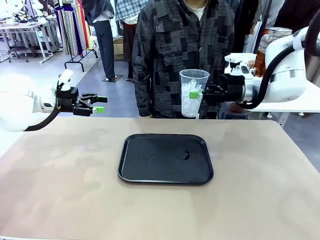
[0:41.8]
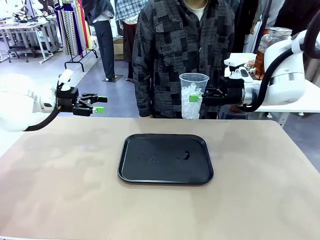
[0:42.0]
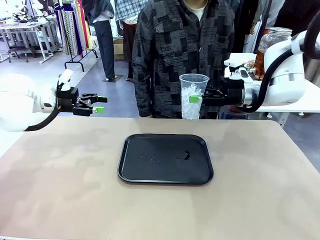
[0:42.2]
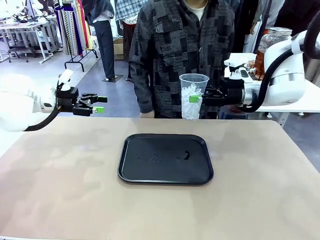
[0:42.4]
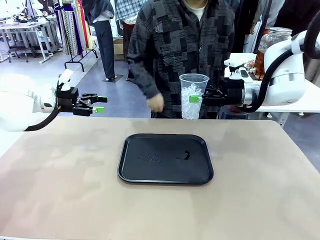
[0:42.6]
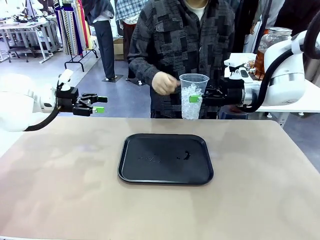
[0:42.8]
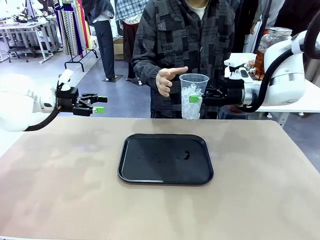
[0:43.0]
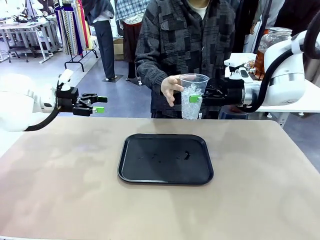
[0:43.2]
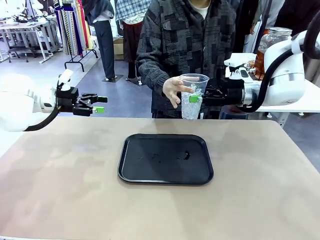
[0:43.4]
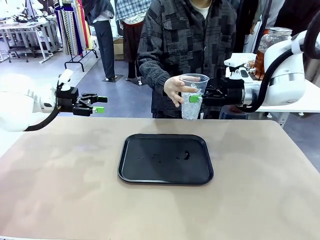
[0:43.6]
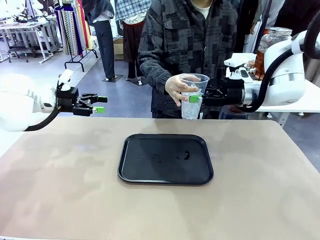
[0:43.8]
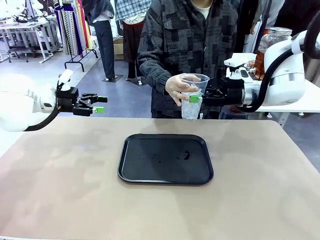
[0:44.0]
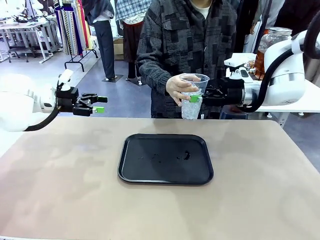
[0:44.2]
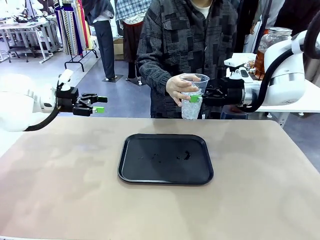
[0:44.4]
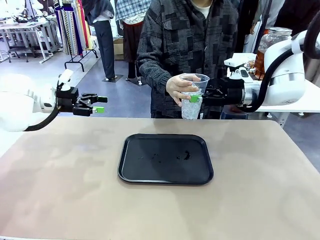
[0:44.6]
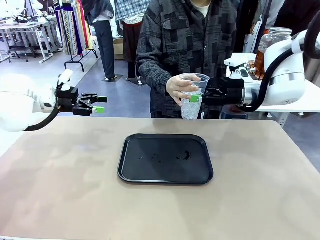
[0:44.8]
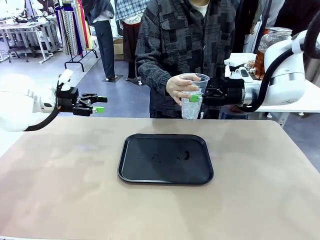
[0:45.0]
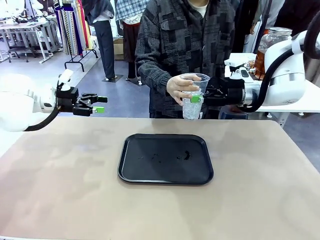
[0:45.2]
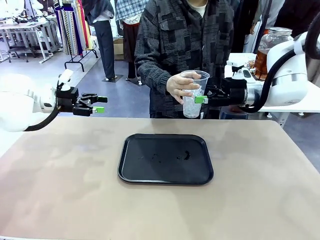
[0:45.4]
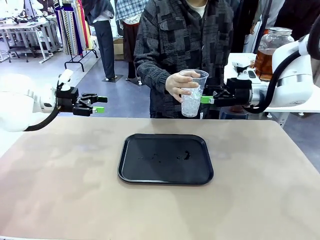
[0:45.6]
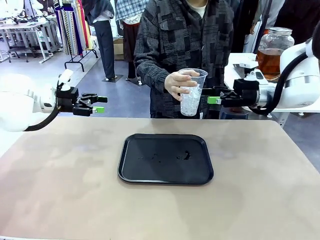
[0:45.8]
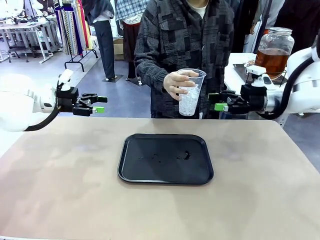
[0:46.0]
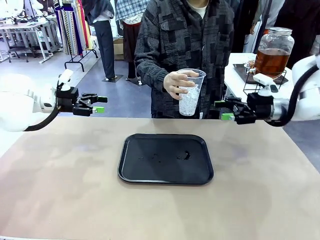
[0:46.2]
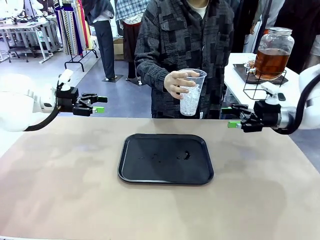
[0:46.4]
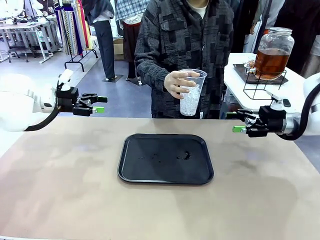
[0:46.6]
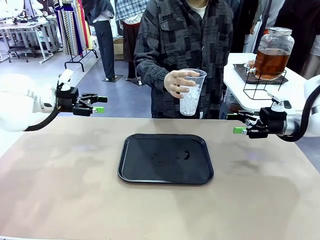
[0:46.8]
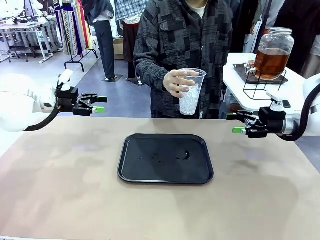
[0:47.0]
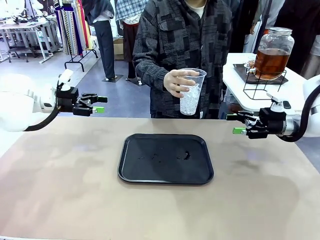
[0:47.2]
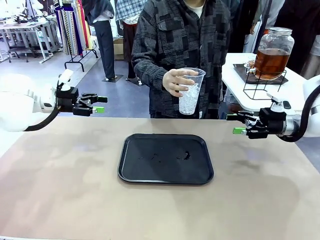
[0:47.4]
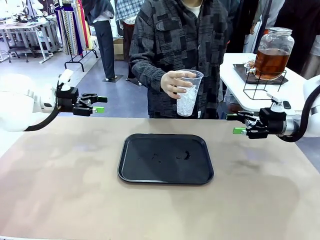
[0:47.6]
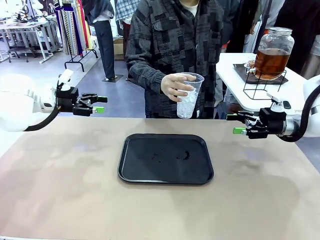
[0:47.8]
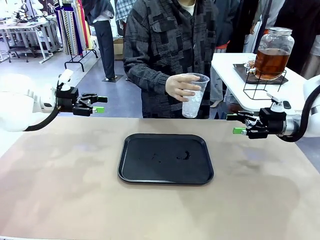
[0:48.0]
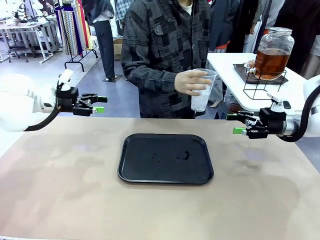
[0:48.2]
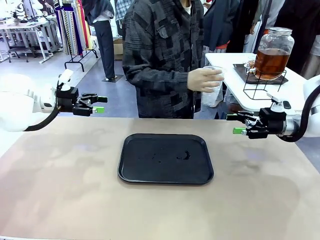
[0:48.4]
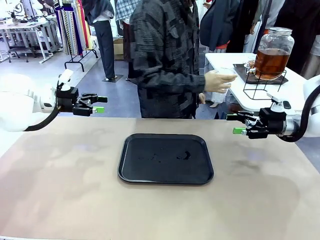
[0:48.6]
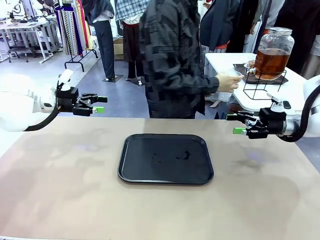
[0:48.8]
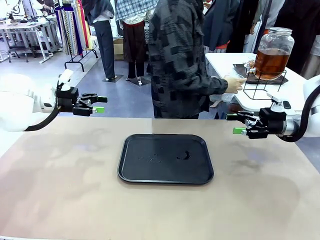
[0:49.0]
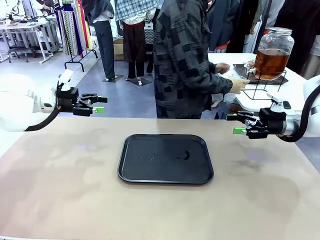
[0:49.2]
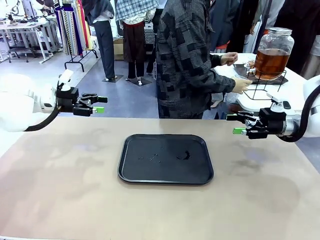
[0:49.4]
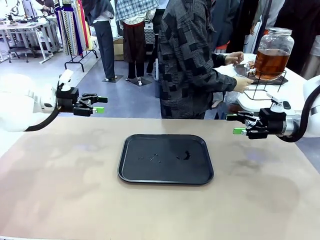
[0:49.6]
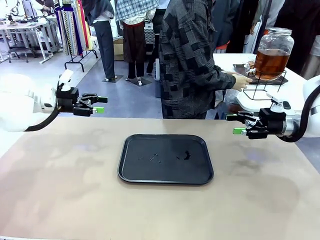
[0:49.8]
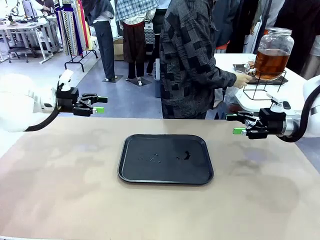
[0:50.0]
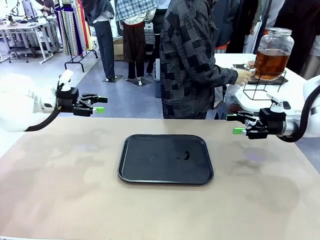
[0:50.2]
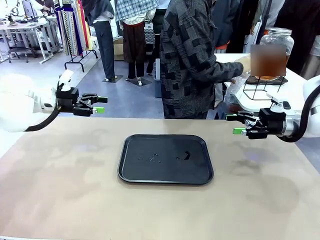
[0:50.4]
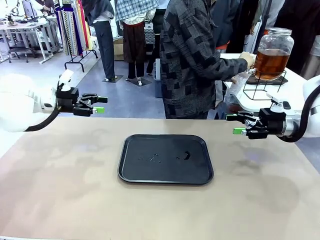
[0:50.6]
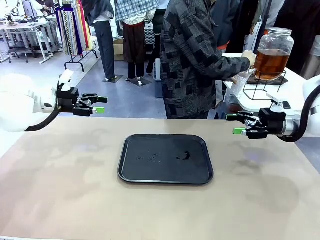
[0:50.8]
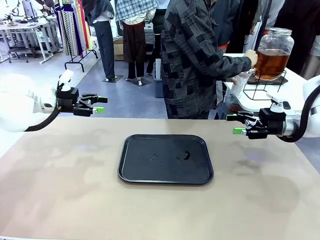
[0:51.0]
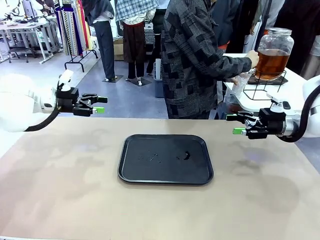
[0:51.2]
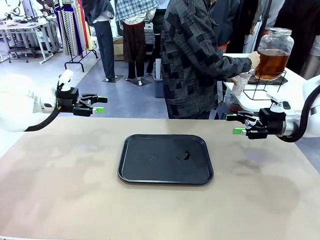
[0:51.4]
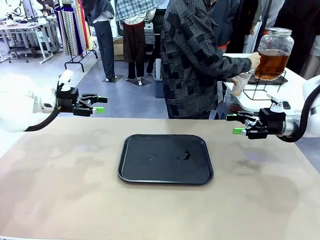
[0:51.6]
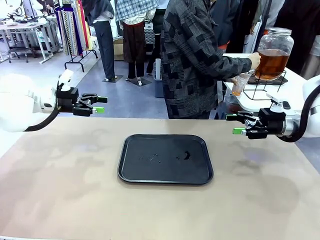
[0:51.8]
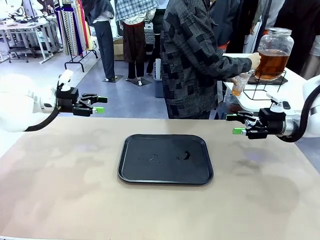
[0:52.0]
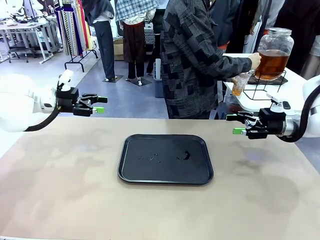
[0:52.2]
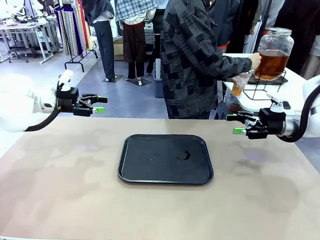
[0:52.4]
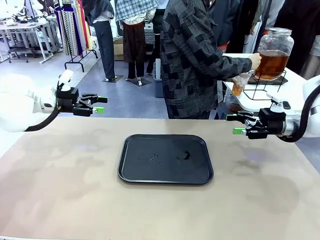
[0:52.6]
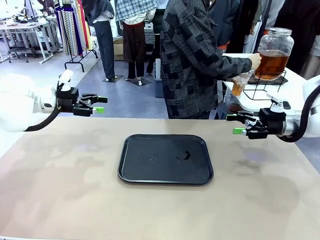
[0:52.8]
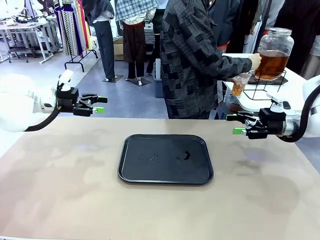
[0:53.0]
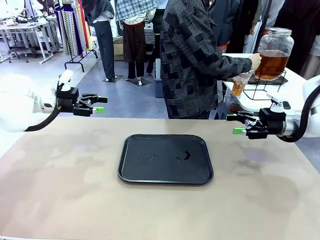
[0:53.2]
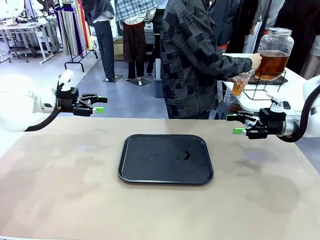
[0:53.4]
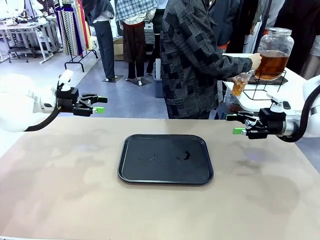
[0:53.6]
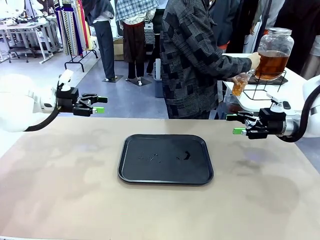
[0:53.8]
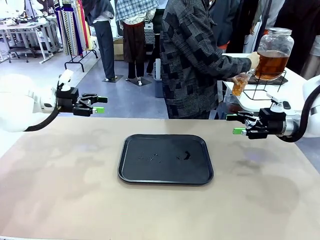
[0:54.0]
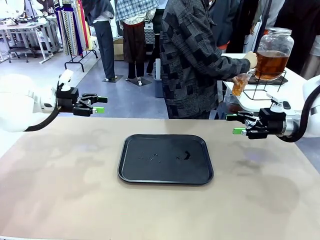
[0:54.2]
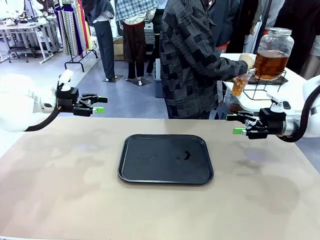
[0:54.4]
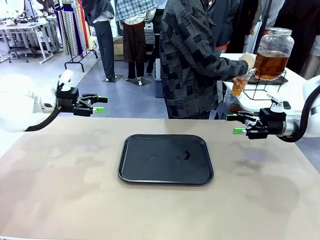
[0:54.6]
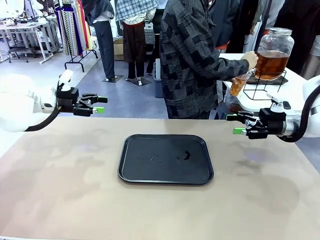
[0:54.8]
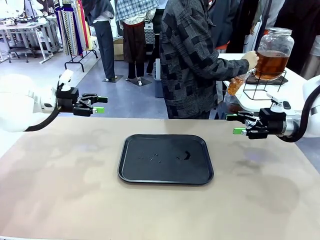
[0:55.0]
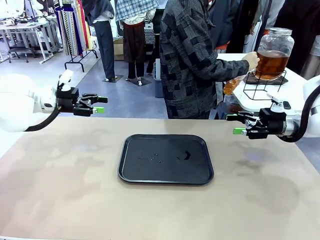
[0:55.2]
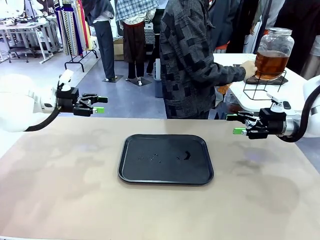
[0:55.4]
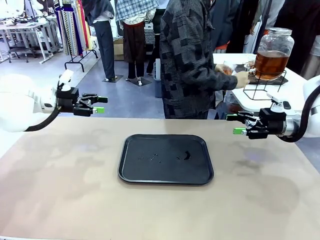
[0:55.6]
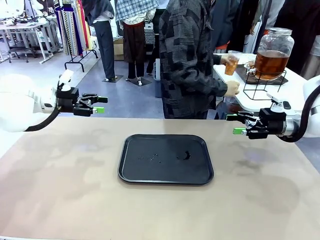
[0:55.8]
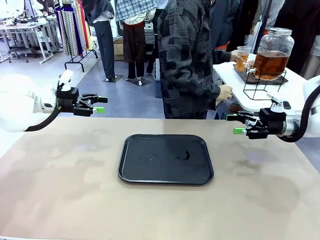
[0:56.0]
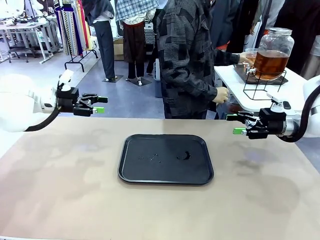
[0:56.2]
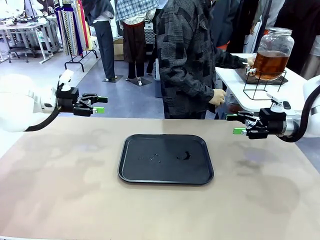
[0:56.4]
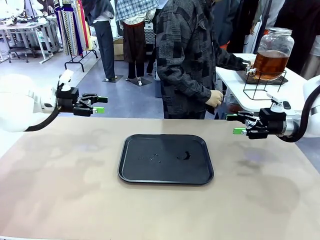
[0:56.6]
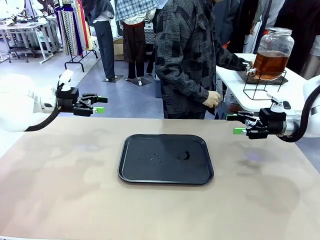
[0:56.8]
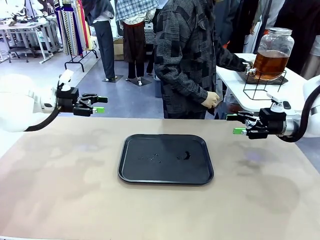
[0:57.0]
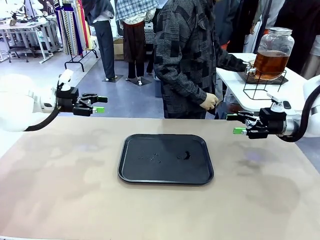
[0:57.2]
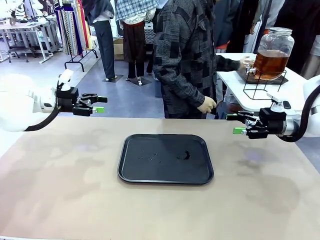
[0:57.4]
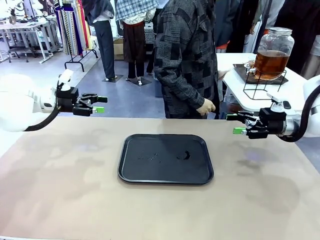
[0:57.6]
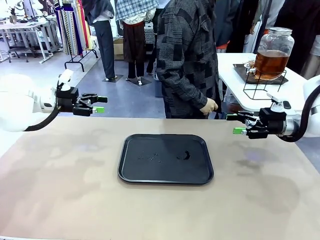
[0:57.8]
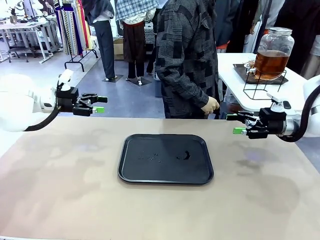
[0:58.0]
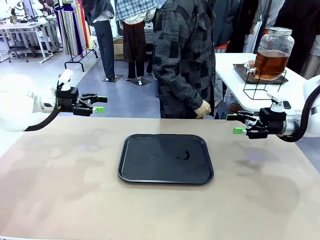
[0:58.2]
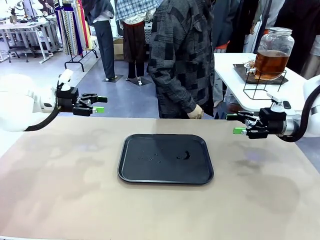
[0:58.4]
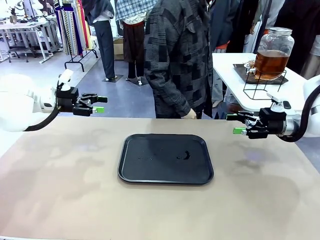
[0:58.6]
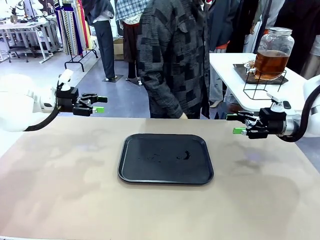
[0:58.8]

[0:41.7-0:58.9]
Task: Pour the drink into the iced cup.
Robot: Open the gripper to release the iced cup you were holding.
Person: Move the picked-up cup under the dispenser faucet, pour the drink, and place it on the tray on the human table.

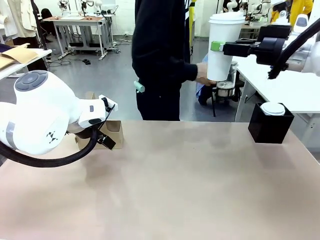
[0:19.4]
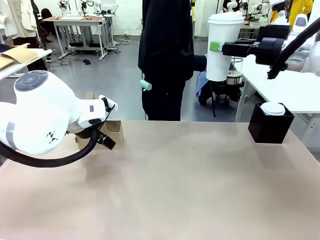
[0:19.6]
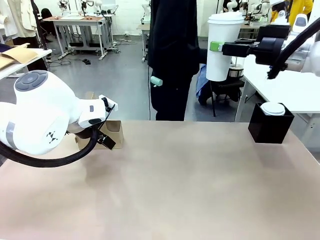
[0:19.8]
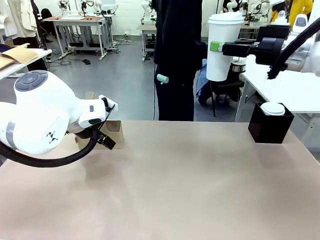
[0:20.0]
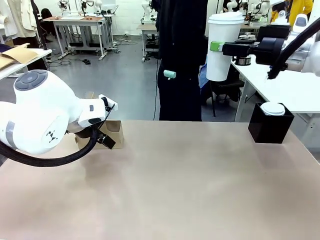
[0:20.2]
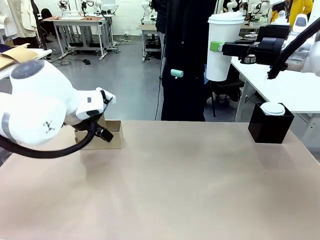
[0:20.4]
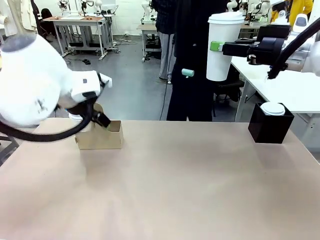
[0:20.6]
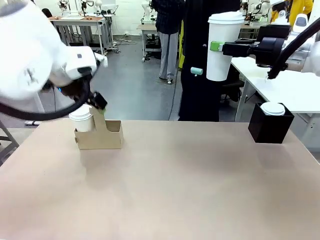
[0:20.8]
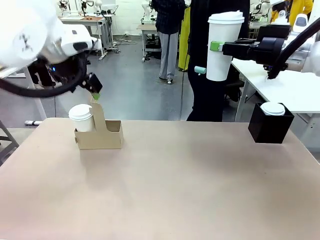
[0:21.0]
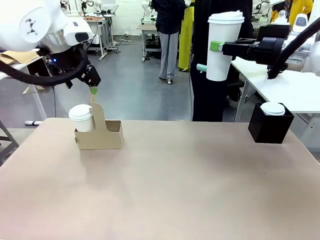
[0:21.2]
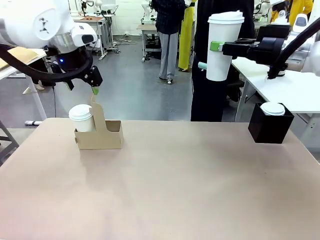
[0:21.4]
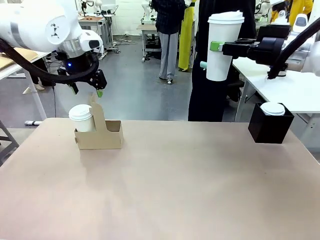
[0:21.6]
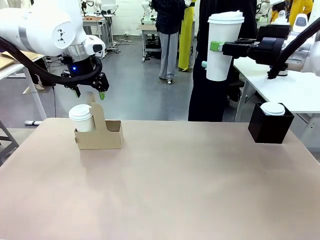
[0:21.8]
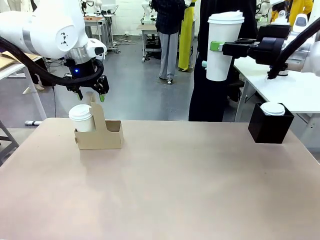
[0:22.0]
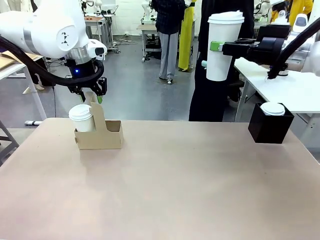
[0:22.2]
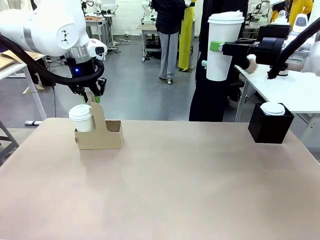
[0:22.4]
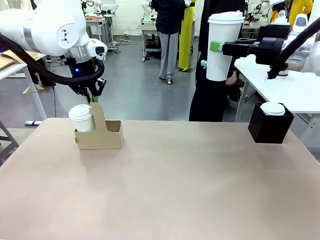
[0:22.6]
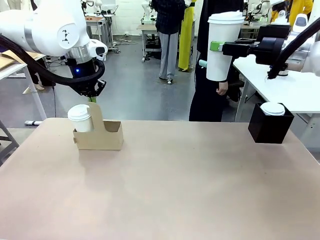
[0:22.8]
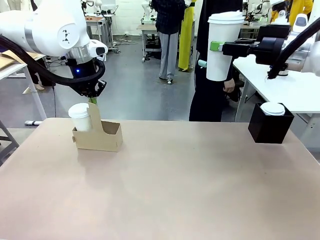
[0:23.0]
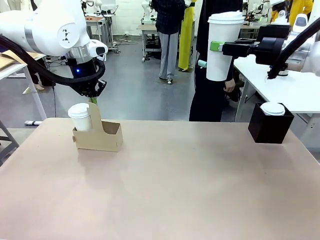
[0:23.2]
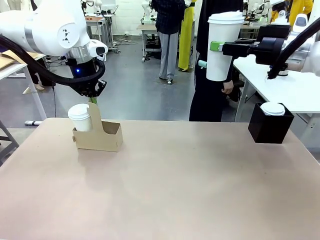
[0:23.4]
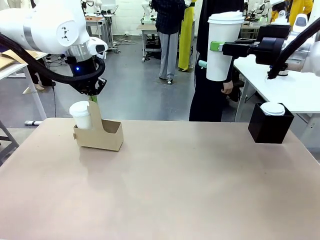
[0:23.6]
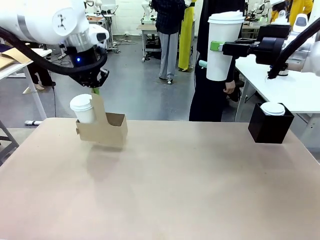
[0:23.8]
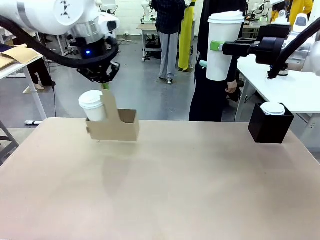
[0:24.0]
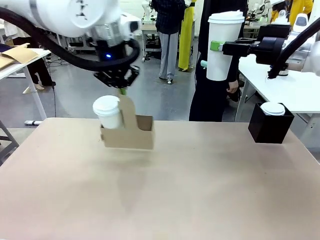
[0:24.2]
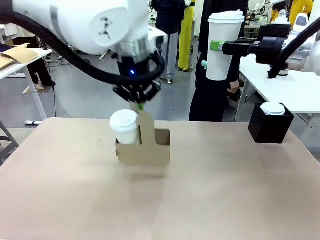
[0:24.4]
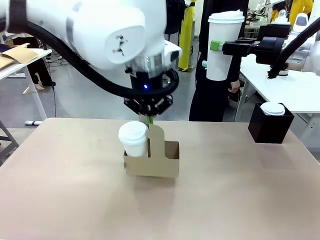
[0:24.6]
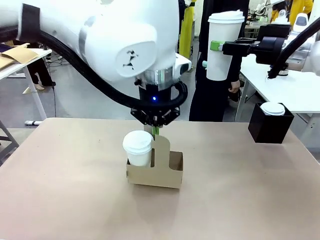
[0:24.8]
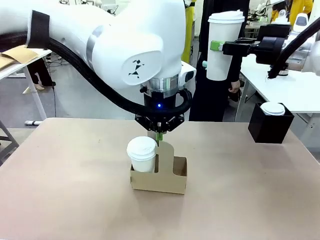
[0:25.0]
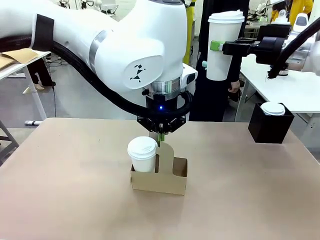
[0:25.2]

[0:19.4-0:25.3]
Task: Pour a drink into a cup and package it in a carrier.
Robot: Position the Cup Carrier in the center of the table.
